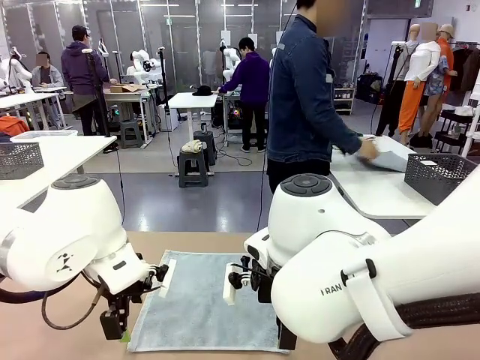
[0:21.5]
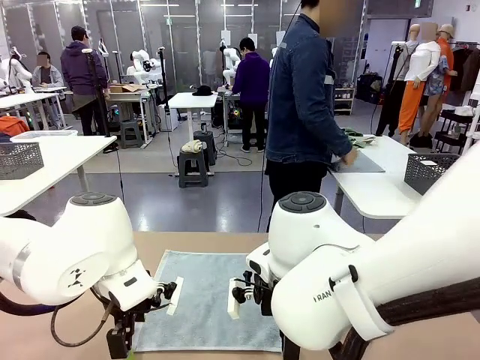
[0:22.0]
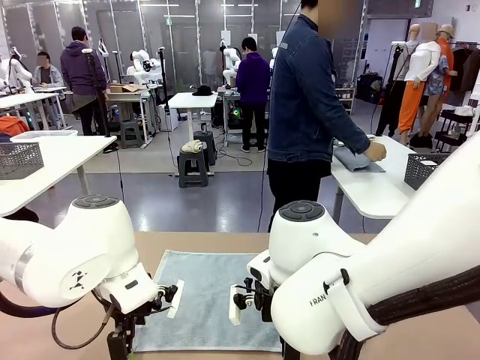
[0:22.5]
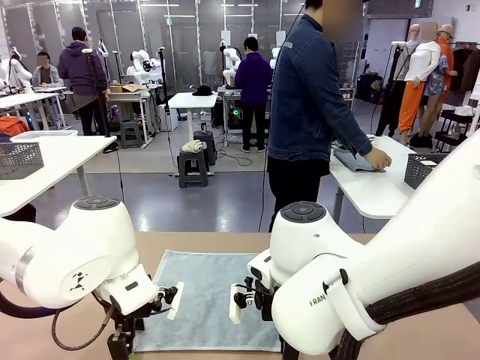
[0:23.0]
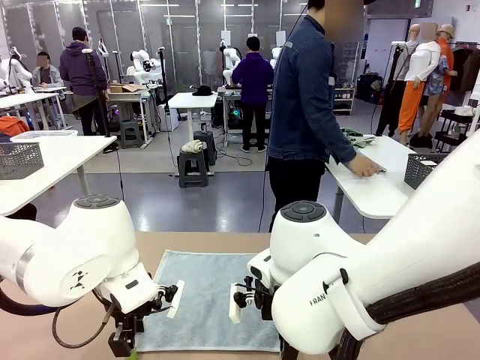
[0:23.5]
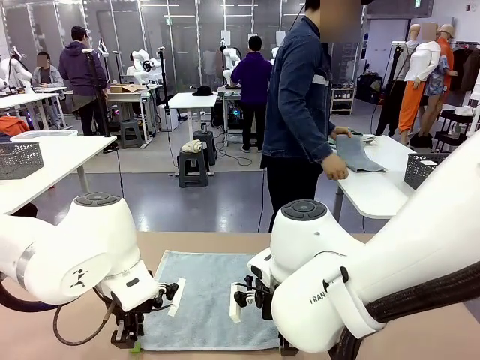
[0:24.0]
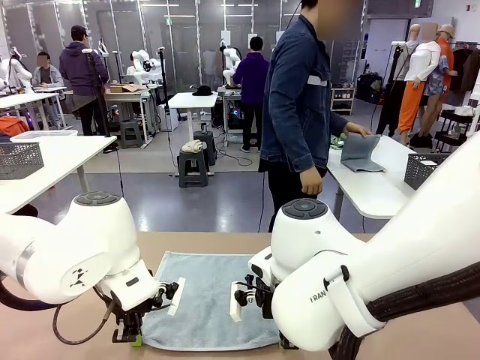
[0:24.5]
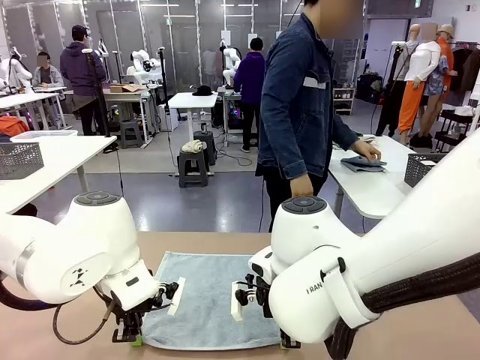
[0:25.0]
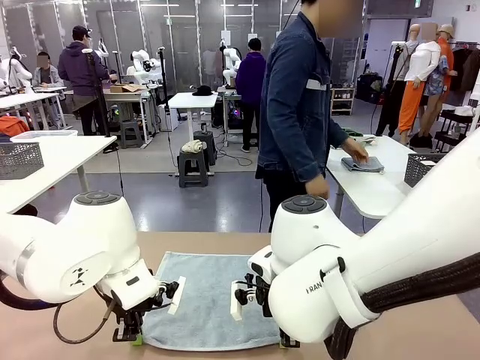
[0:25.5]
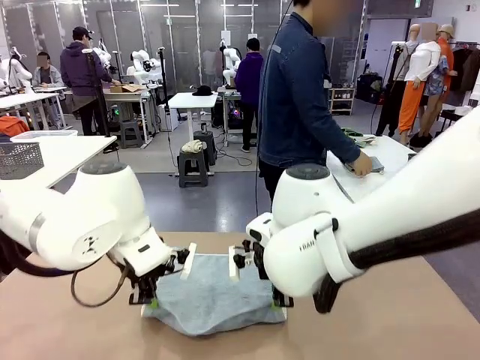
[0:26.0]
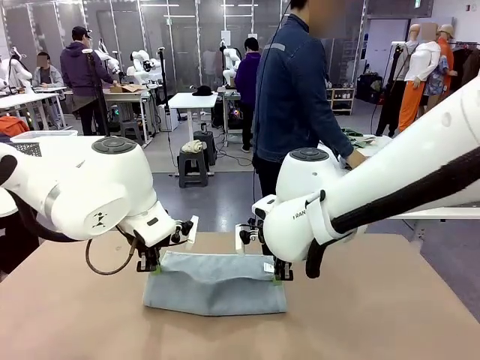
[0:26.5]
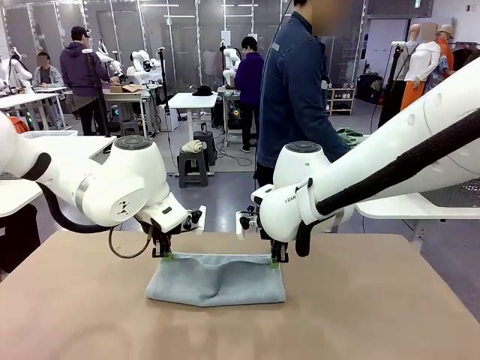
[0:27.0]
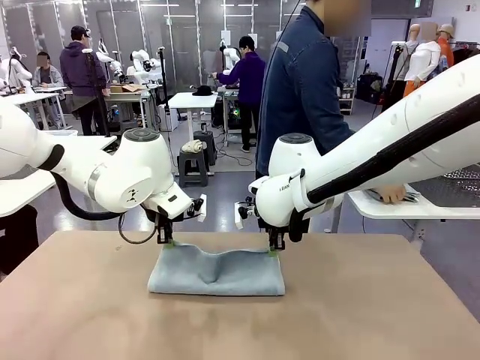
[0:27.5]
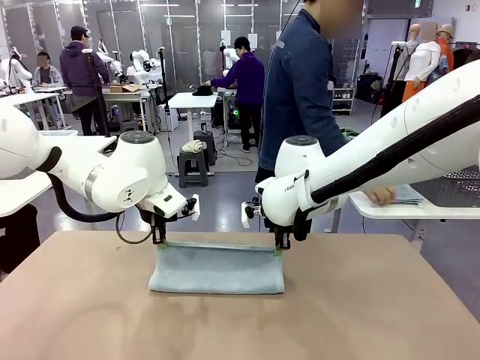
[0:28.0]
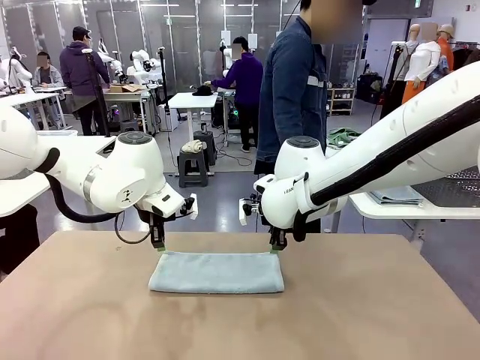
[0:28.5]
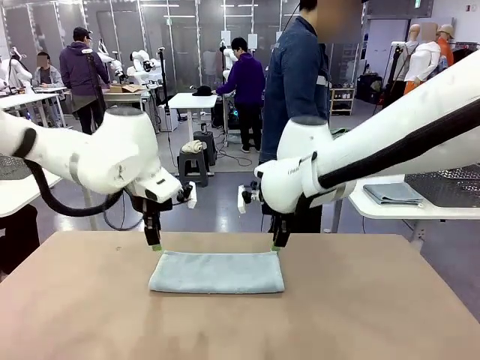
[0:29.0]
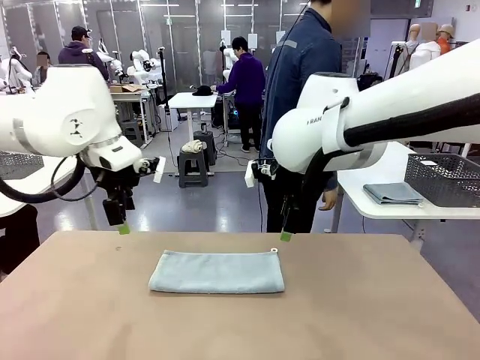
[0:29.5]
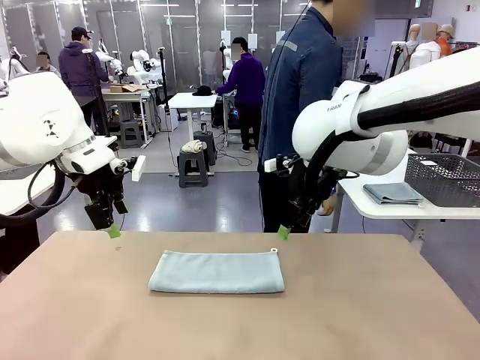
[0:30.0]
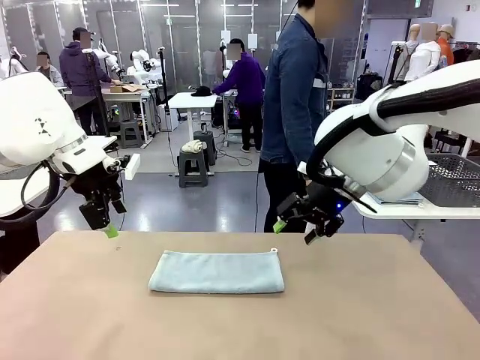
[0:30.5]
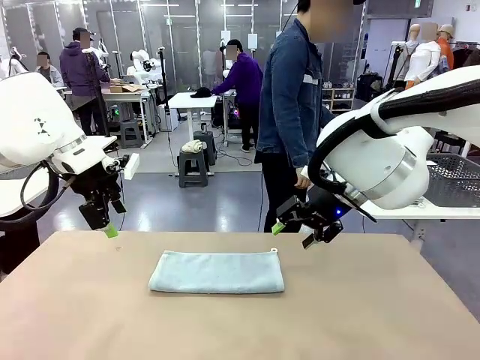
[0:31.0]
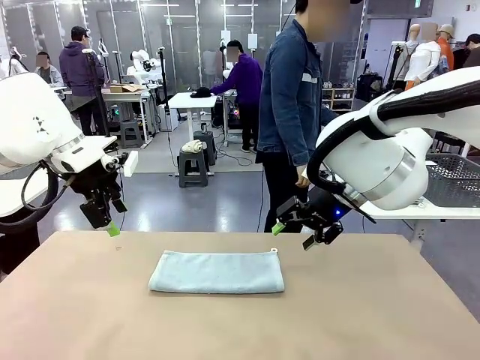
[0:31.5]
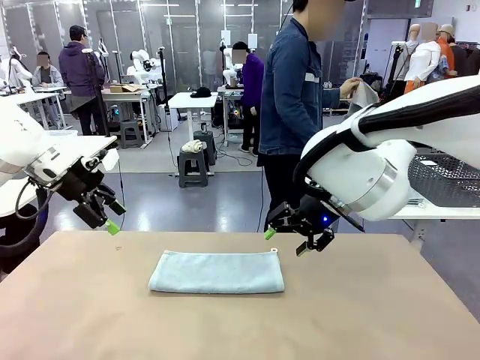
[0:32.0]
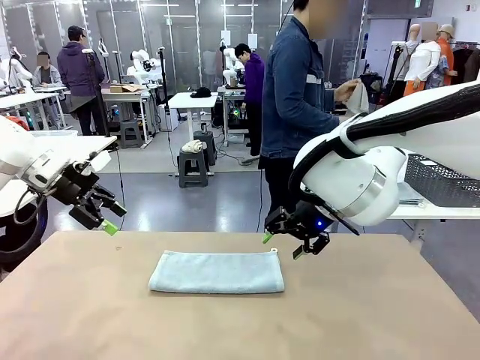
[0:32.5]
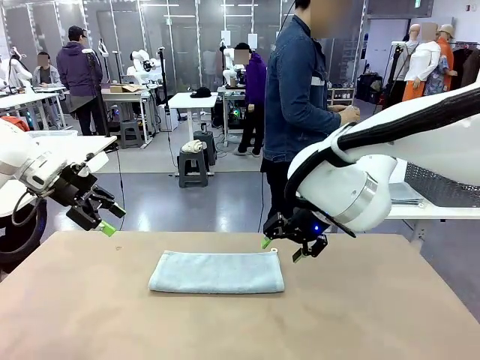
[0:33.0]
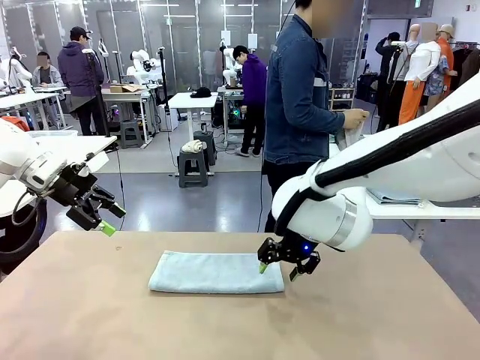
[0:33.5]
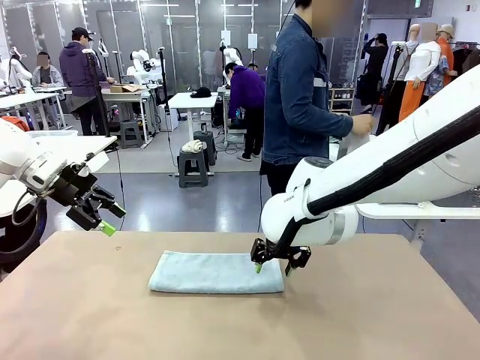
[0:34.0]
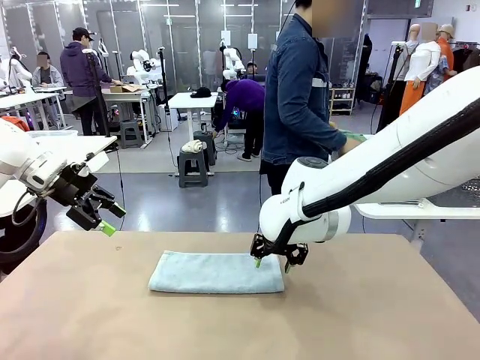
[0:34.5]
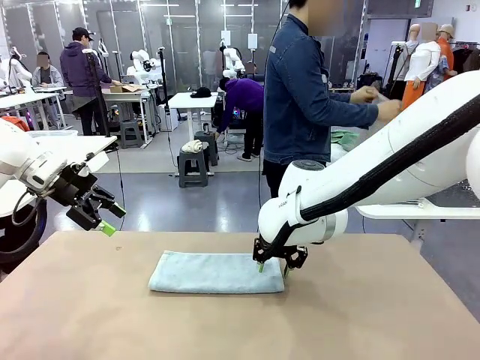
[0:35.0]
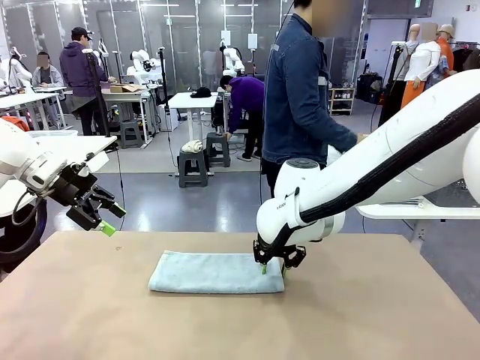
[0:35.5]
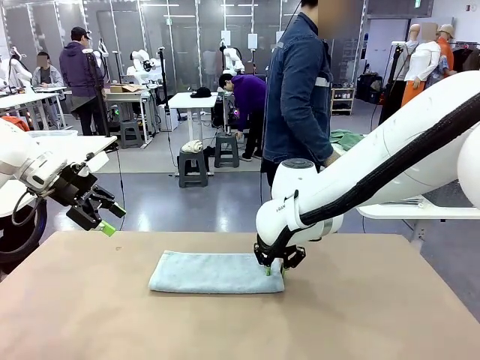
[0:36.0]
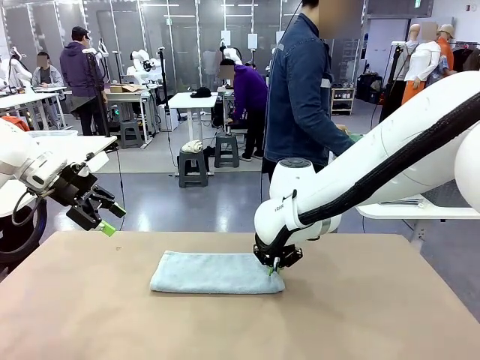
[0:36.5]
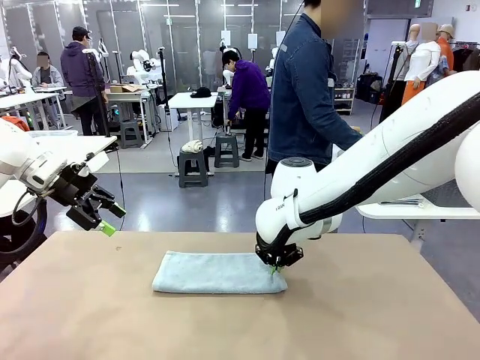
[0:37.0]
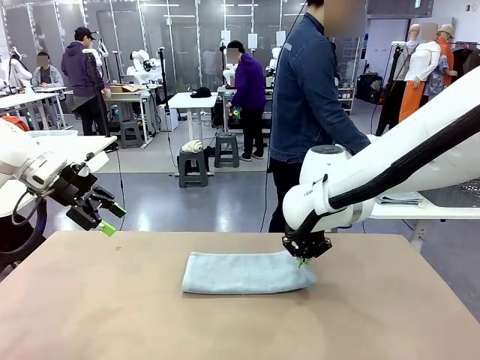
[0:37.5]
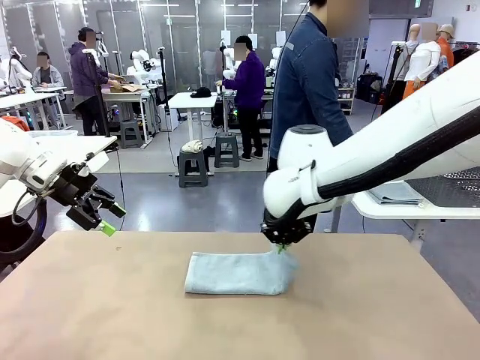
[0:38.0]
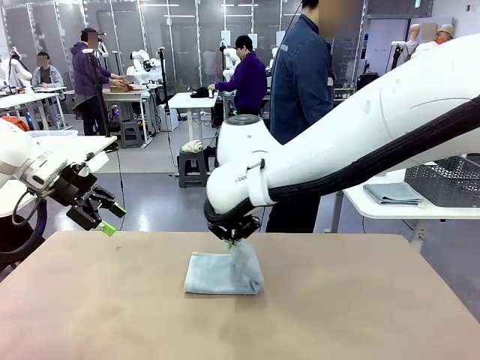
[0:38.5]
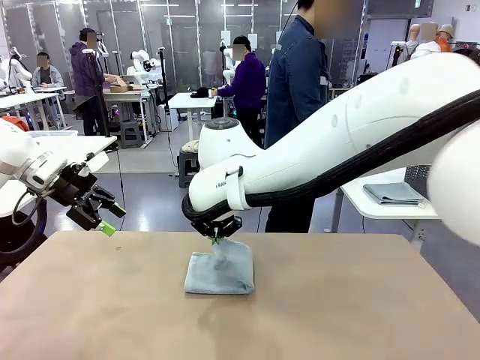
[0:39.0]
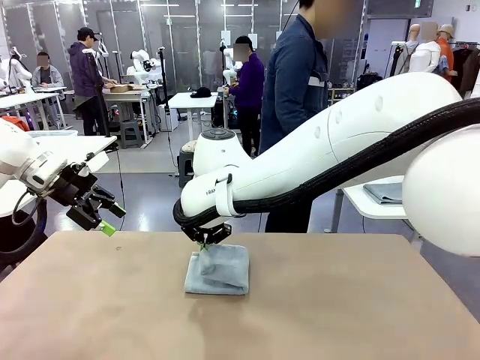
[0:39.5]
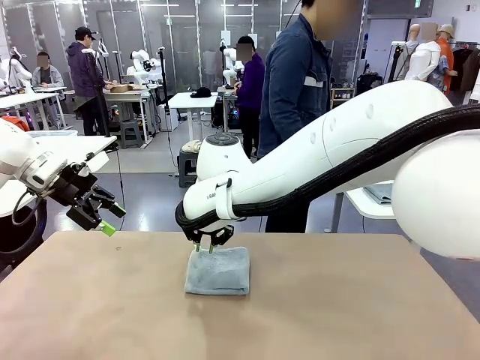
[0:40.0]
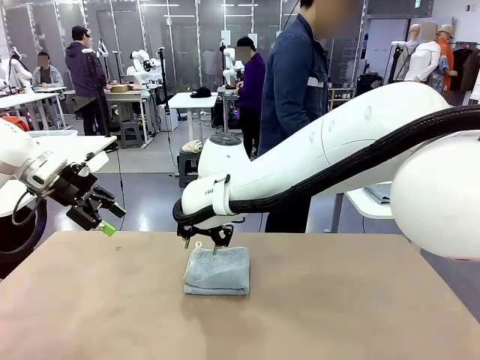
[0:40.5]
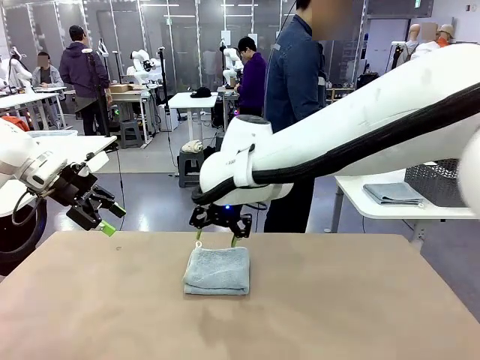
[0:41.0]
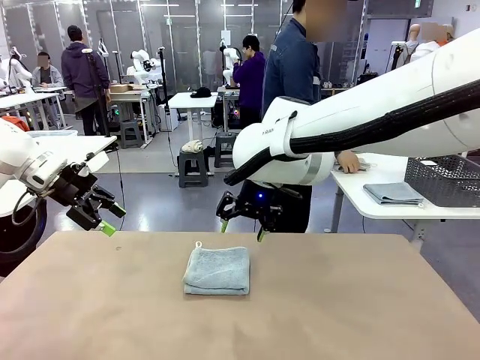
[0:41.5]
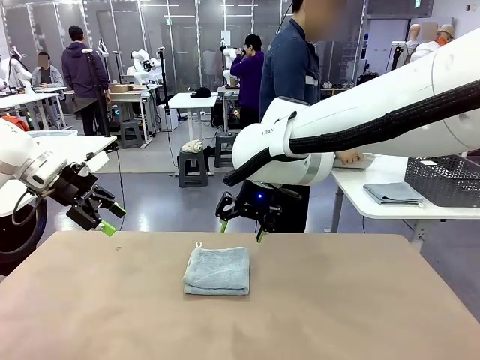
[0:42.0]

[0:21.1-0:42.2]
Task: Fold the towels and place them in the basket.
Robot: When a person lays out a Towel with hook on the table, fold it in half twice.
Person: Pick up one towel from the left side of the human table, fold it in half twice, and place it on the right side of the table. Pick up one towel from the left side of the human table, fold it in half twice, and stack it on the right side of the table.

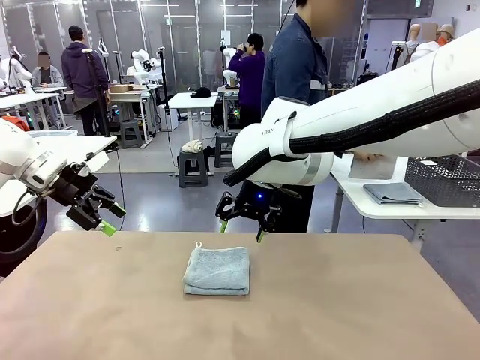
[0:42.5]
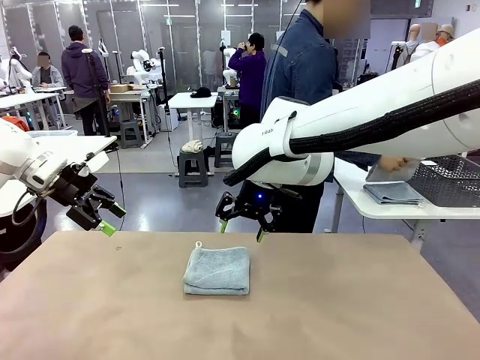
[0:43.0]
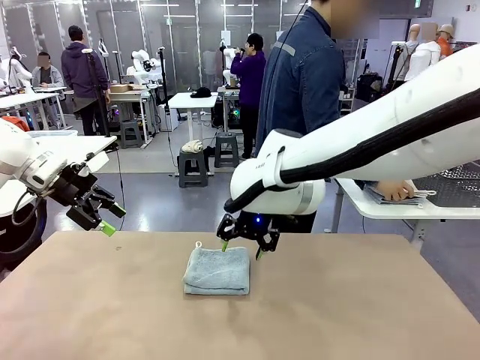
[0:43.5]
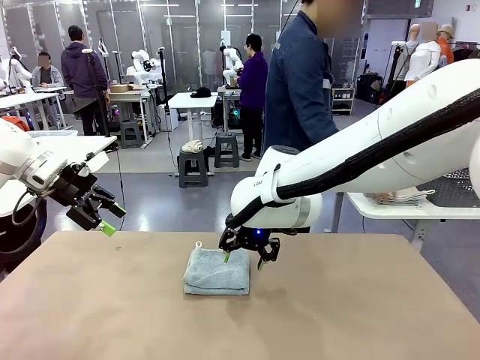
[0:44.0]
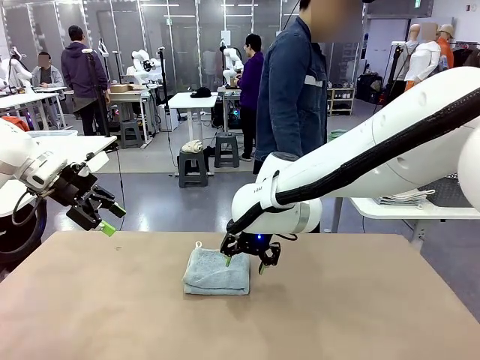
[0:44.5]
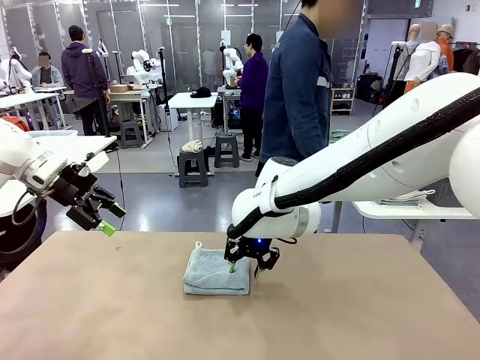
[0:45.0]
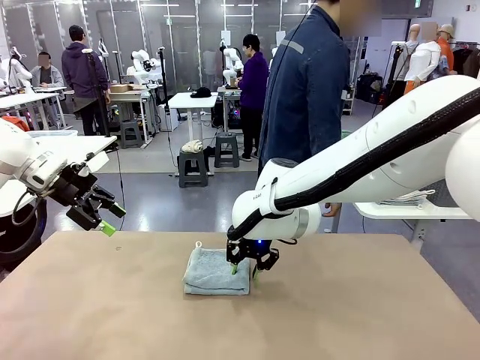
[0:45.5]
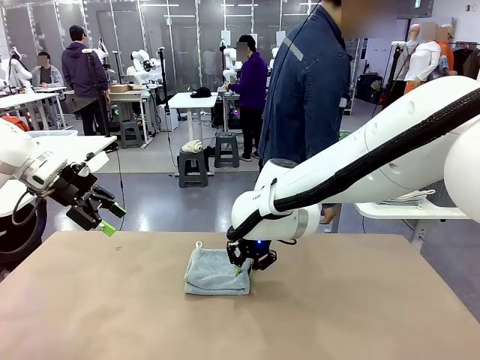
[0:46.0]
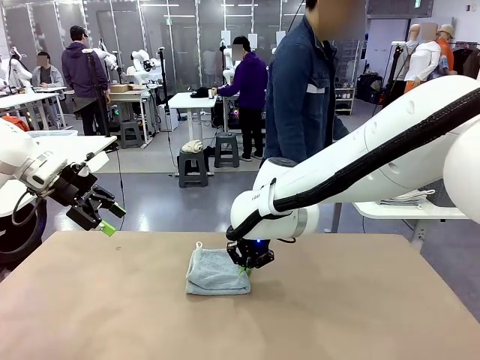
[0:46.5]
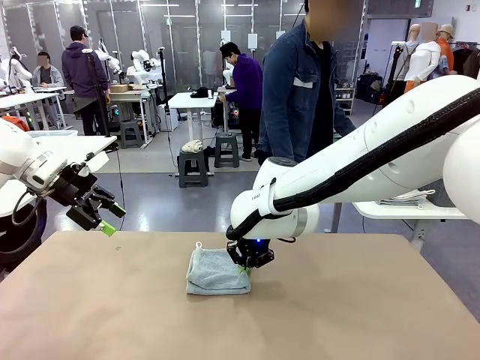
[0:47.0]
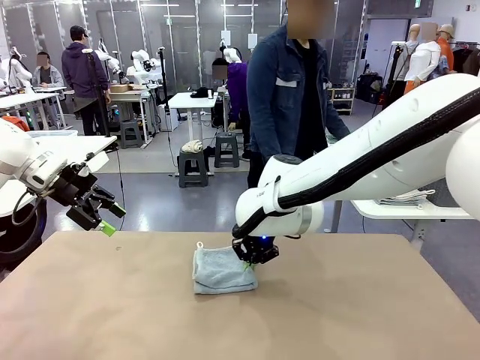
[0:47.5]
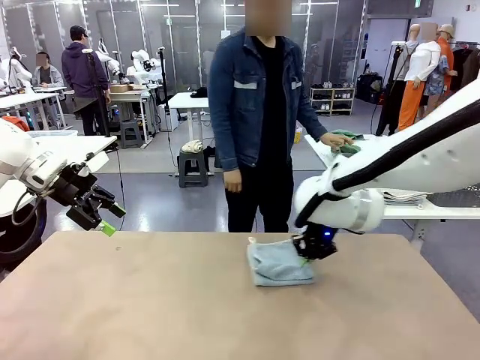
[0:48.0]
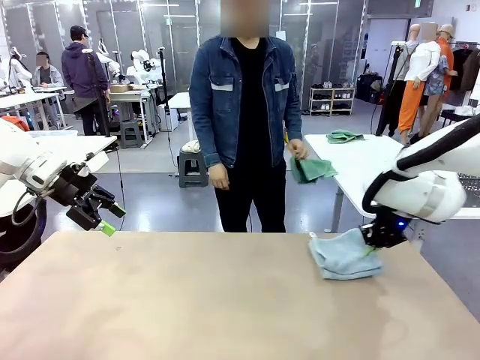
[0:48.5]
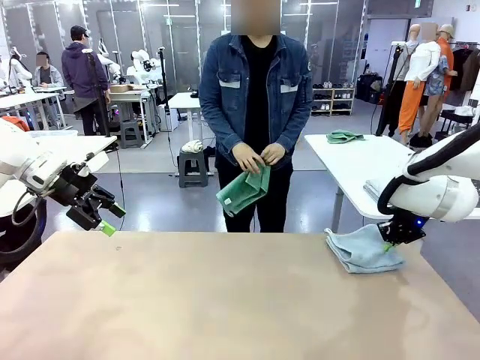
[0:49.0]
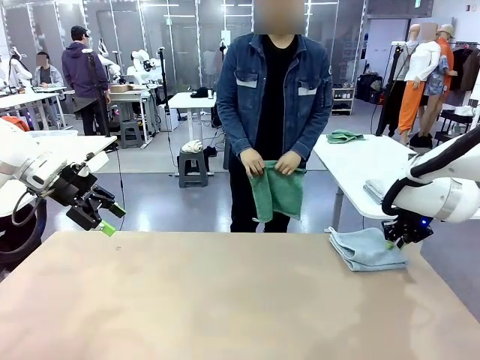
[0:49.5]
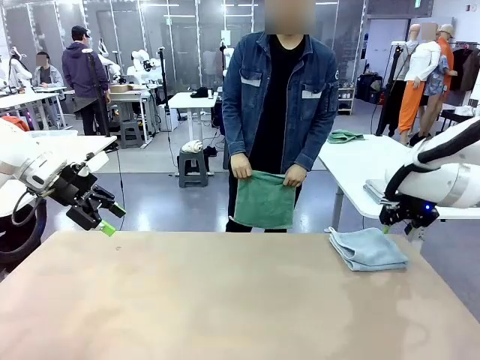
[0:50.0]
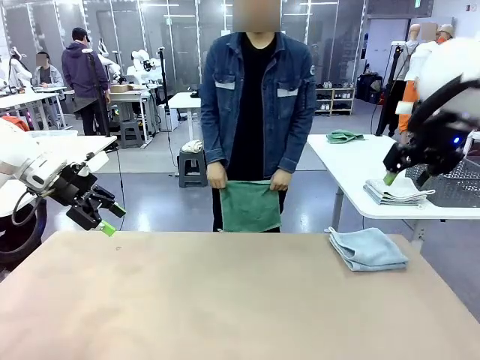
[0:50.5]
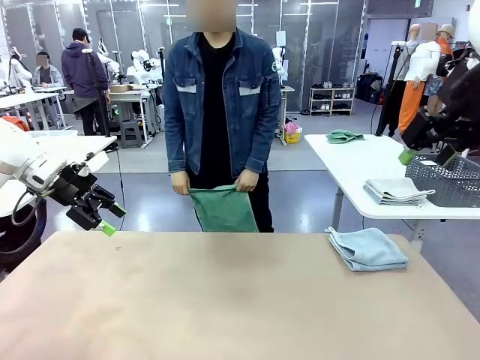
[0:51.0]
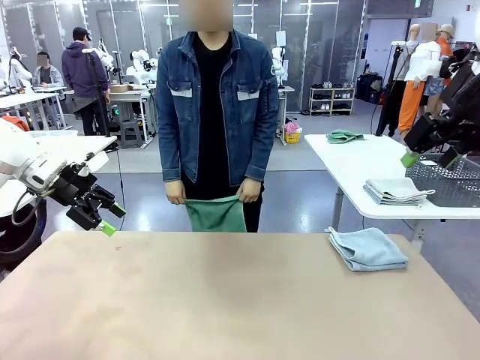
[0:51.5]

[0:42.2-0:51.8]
Robot: Place the folded Towel with hook on the right side of the table.
Person: Pick up one towel from the left side of the human table and spread it out at the center of the robot table.
